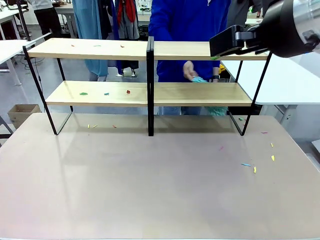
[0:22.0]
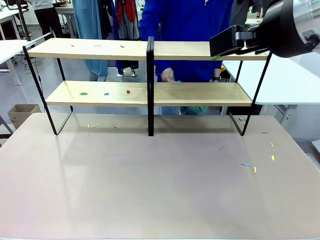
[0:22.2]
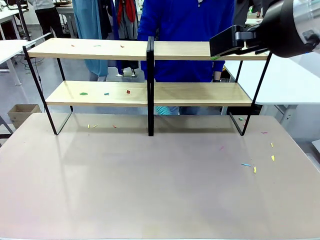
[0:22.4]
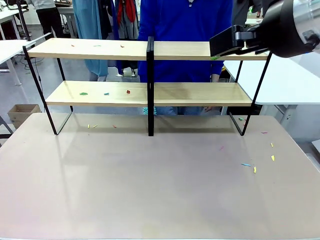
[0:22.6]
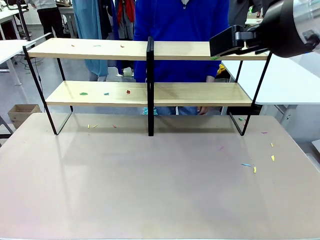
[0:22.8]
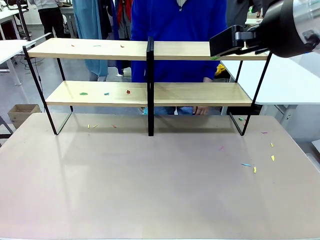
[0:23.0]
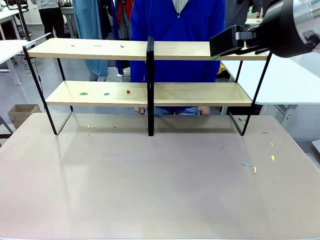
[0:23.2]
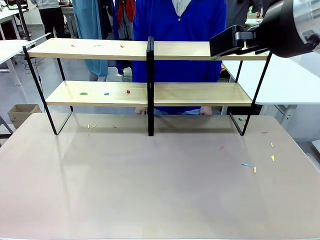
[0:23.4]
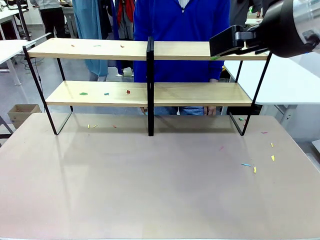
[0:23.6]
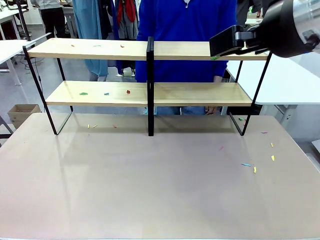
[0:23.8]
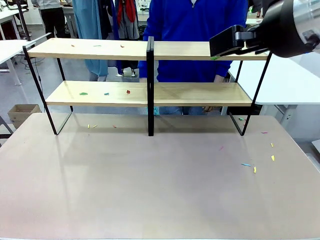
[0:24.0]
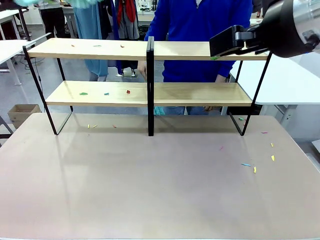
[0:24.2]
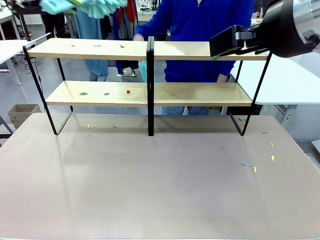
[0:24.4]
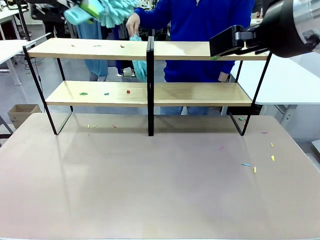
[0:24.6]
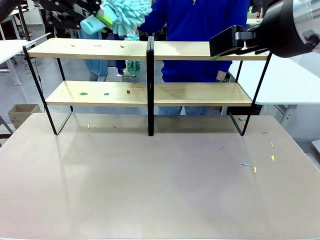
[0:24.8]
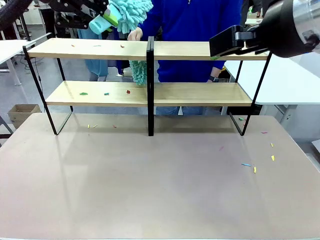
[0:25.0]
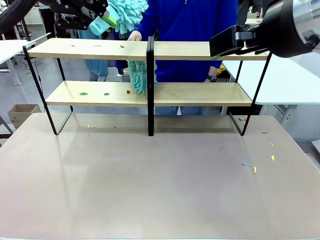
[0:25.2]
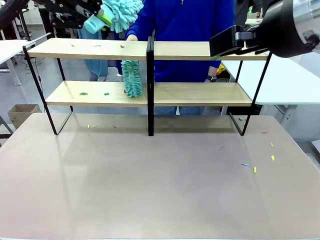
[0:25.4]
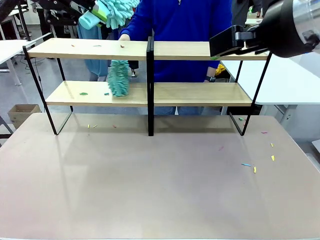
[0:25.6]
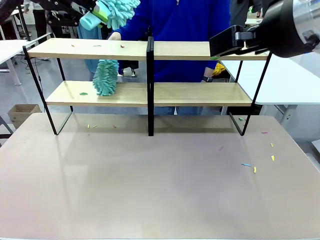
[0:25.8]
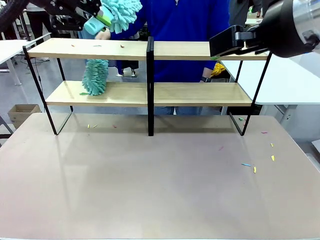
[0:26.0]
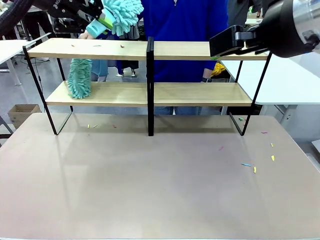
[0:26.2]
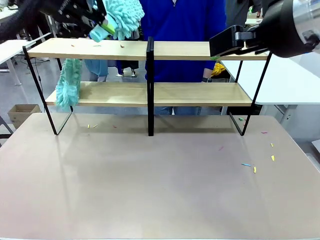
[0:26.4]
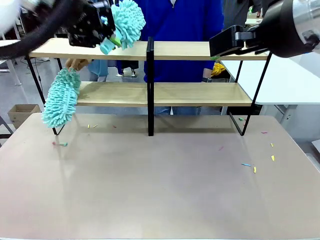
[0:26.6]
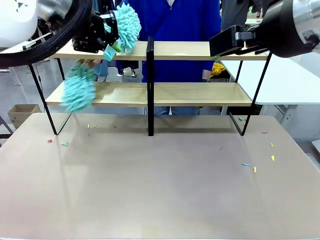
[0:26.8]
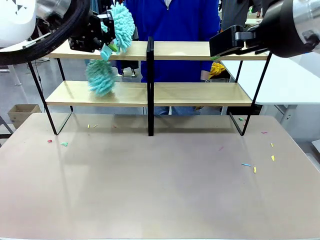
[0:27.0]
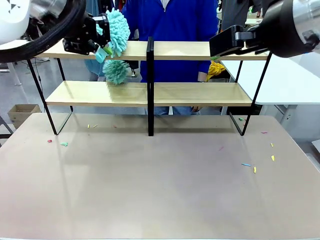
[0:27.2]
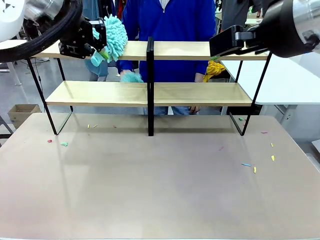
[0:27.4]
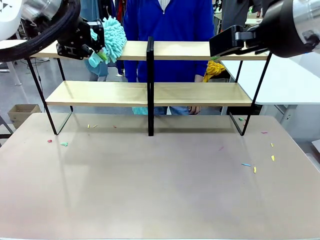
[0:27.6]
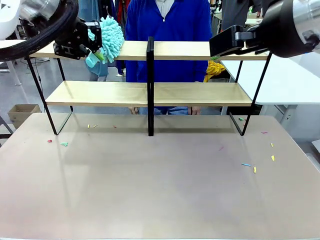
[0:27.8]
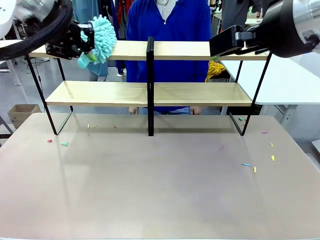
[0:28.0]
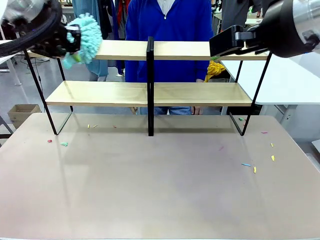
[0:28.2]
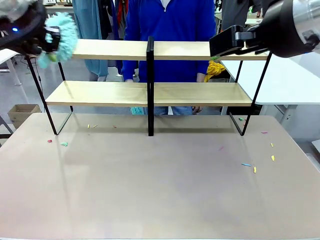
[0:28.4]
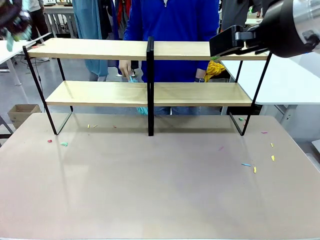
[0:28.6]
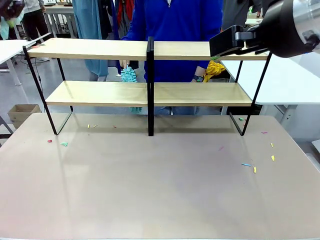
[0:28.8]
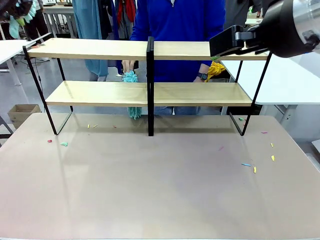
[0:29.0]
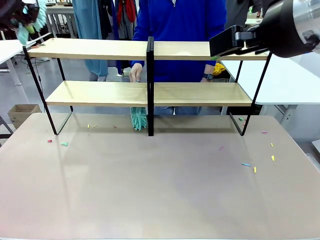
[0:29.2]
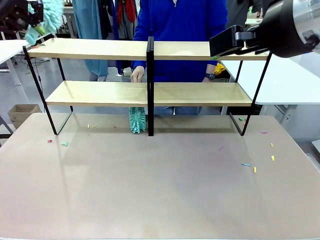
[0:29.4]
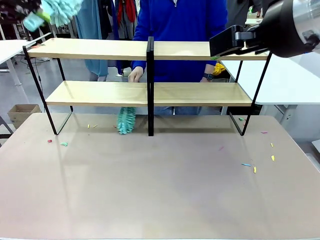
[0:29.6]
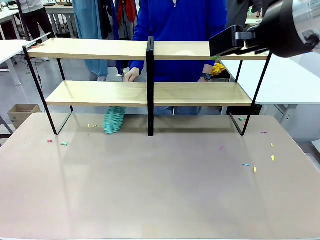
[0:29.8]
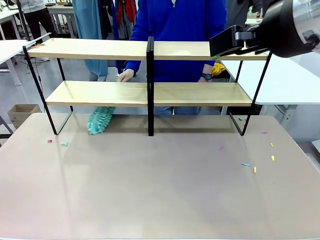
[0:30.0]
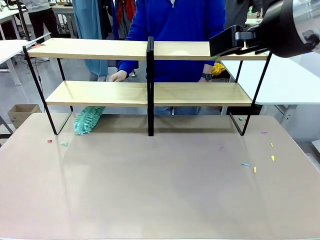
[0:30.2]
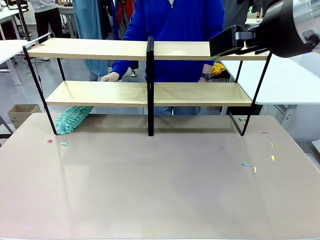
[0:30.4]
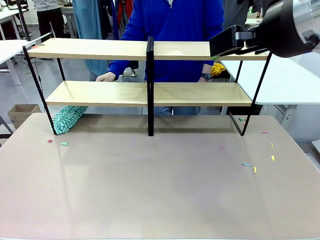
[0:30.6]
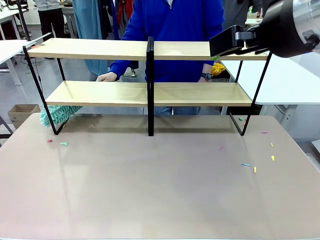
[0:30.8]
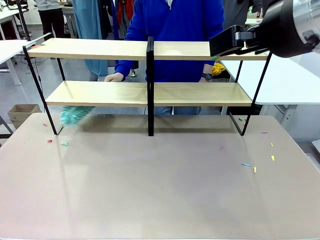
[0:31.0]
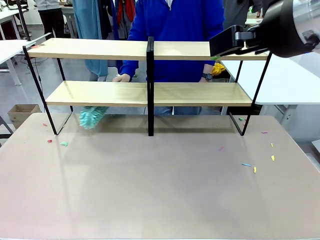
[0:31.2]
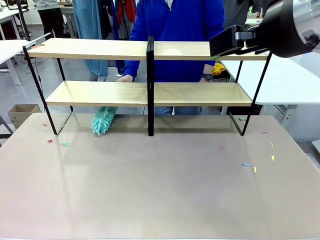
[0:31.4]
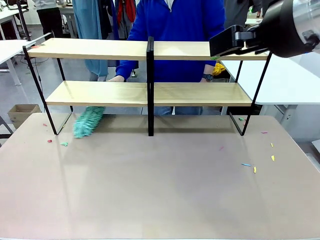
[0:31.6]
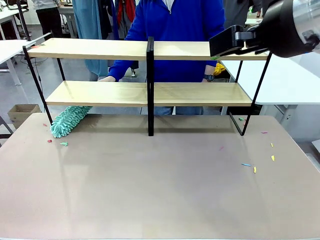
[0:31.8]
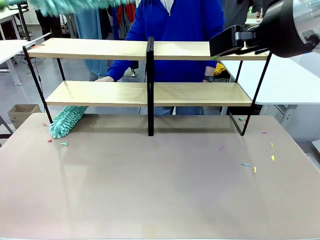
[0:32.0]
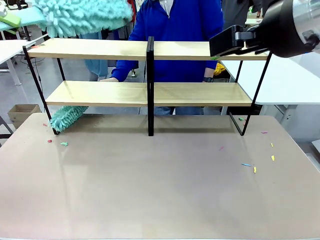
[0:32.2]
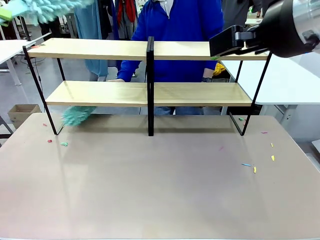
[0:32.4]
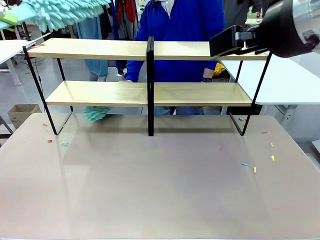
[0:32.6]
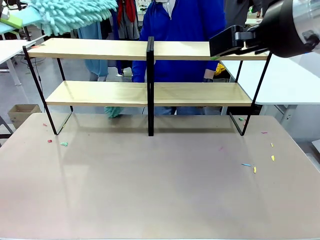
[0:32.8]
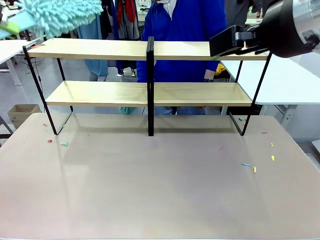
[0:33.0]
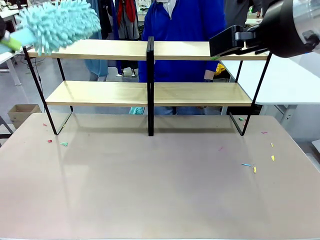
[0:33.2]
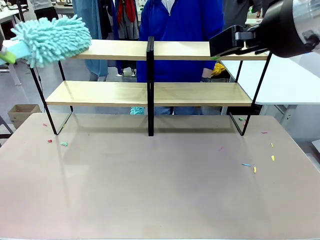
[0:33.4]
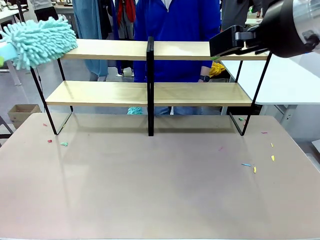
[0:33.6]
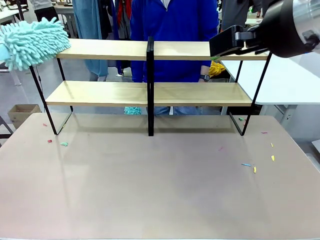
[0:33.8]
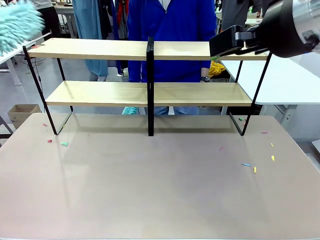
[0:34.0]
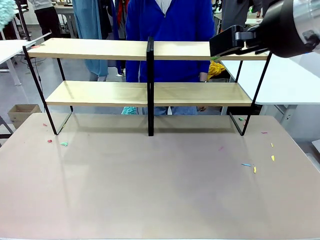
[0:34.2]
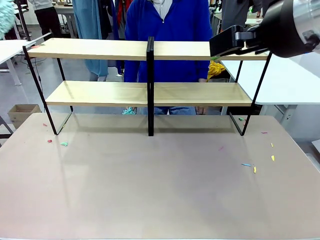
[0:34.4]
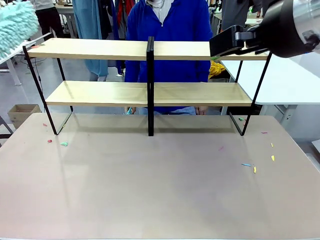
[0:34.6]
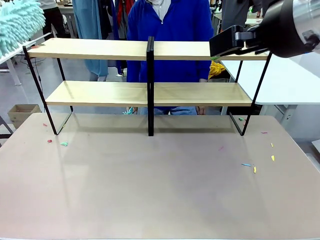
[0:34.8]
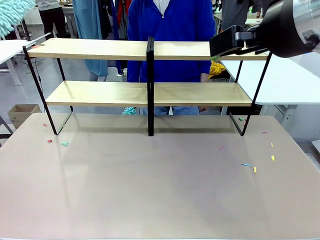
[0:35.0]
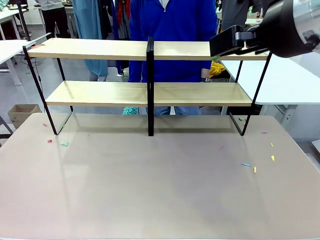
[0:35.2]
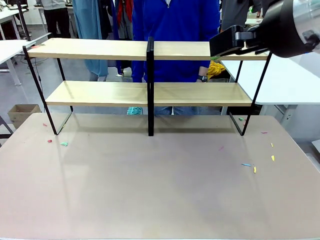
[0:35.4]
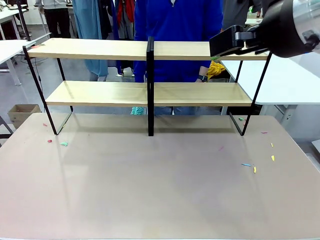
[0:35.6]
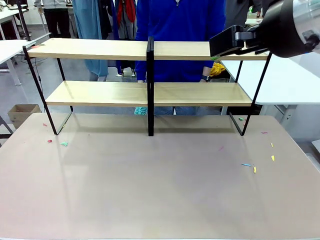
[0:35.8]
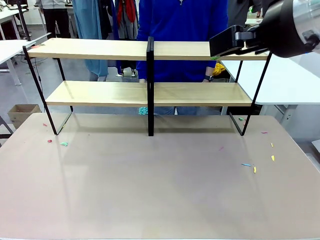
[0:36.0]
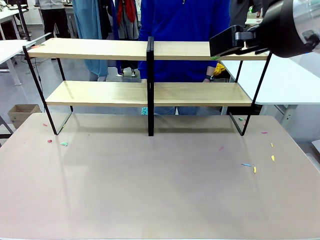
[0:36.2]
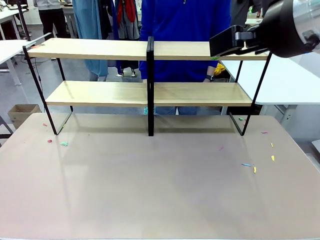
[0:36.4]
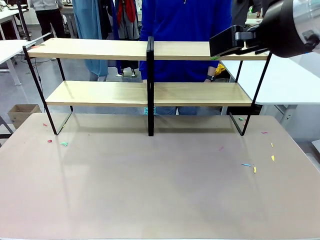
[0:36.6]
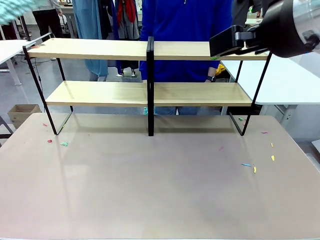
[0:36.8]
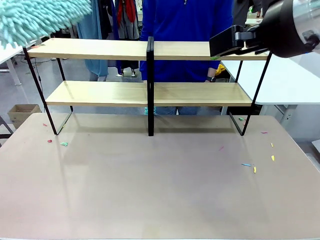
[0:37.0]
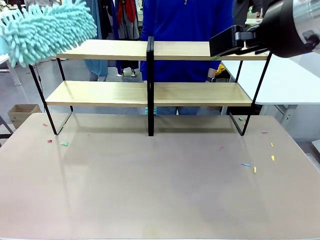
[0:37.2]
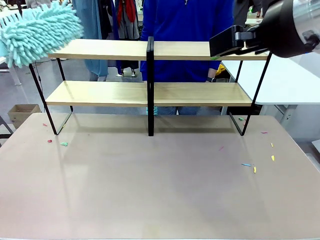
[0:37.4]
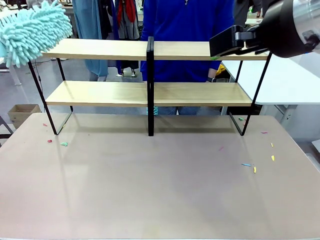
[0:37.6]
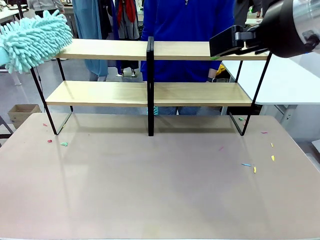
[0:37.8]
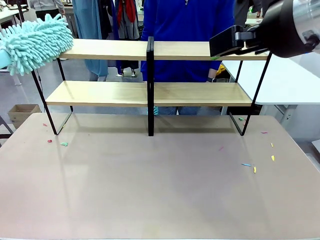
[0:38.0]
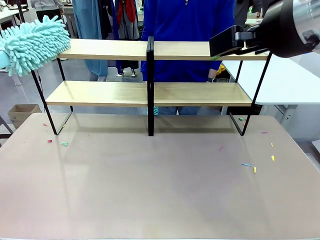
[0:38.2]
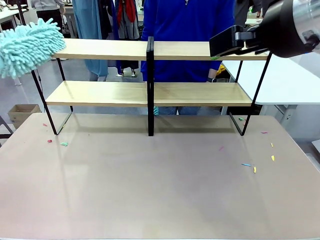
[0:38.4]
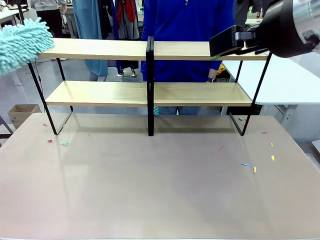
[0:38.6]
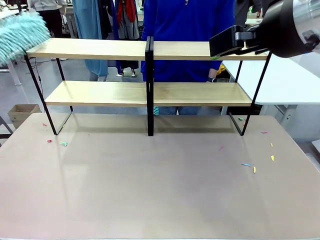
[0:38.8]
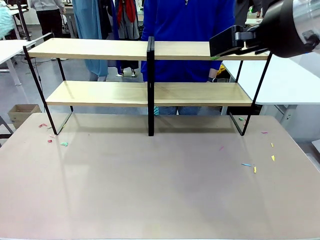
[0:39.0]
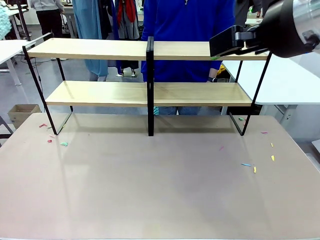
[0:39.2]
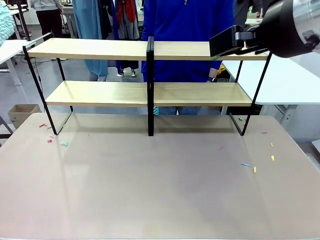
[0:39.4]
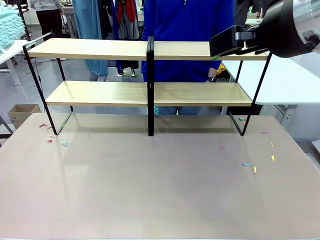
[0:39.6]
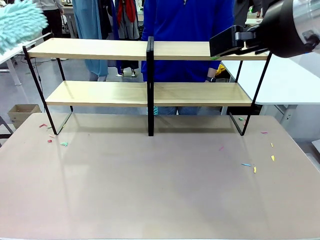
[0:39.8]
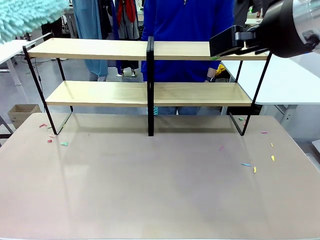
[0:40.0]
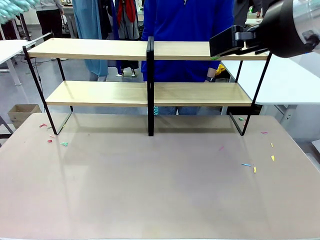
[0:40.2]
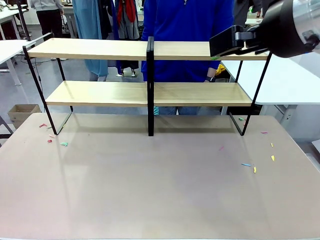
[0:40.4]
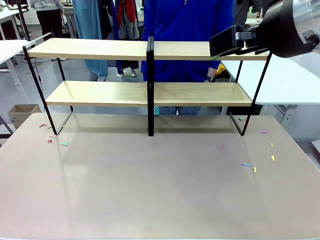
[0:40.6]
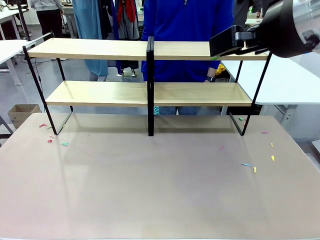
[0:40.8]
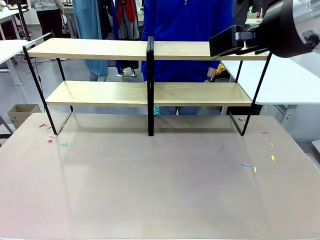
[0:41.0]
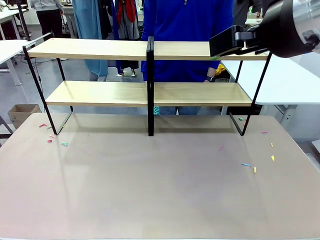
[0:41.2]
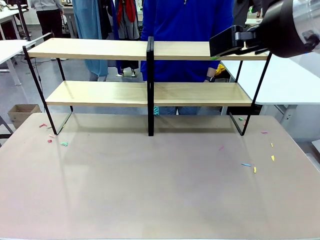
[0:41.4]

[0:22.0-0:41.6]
Task: Clean the shelves.
Robot: Clean another randomly selected level of the Shelf with the Duster.
Person: Clean a randomly selected level of the Shelf with the Duster.

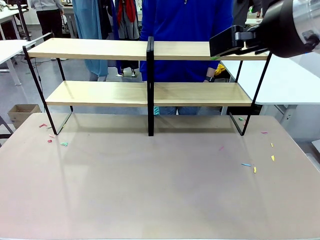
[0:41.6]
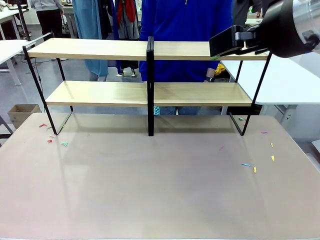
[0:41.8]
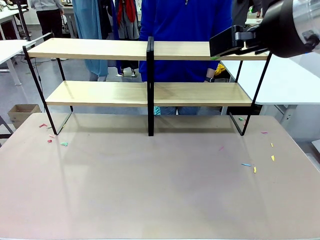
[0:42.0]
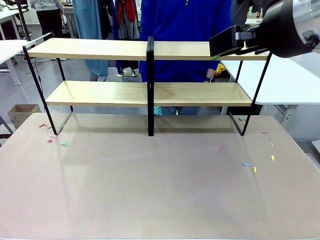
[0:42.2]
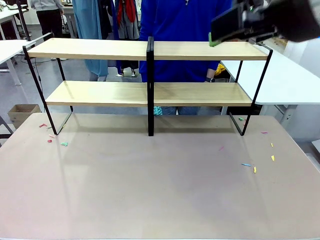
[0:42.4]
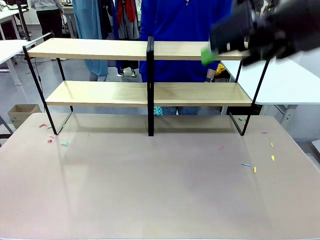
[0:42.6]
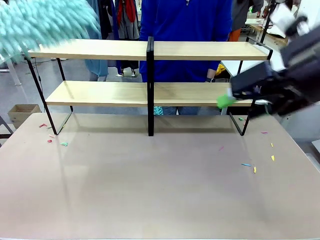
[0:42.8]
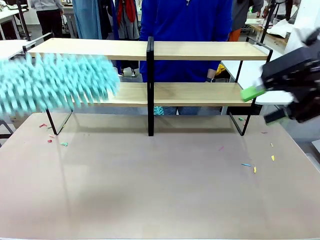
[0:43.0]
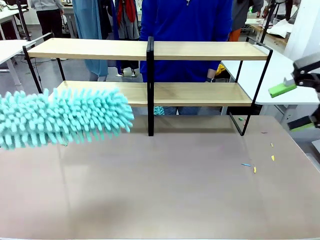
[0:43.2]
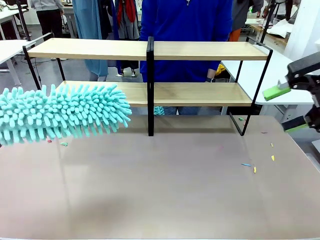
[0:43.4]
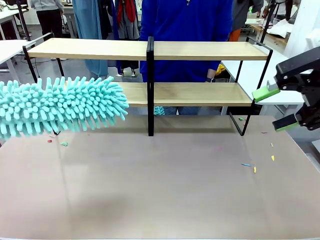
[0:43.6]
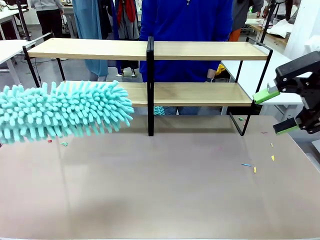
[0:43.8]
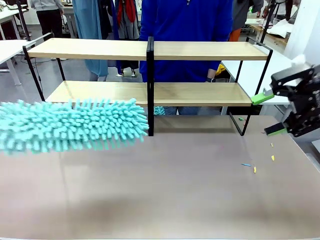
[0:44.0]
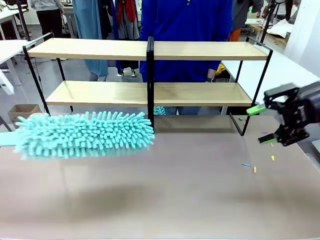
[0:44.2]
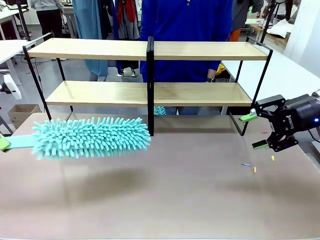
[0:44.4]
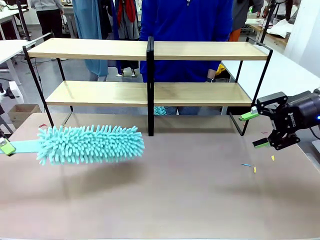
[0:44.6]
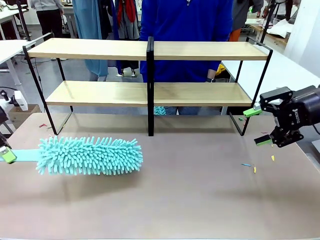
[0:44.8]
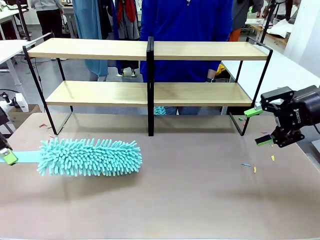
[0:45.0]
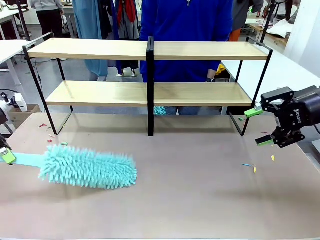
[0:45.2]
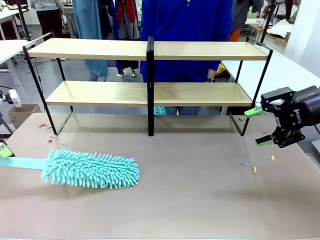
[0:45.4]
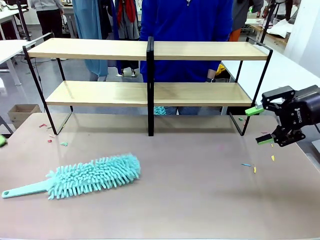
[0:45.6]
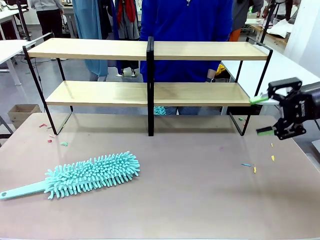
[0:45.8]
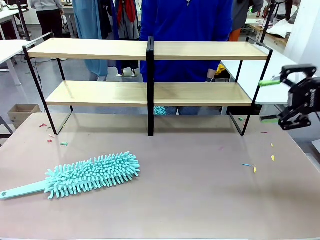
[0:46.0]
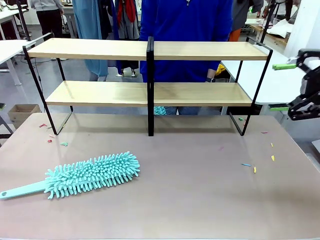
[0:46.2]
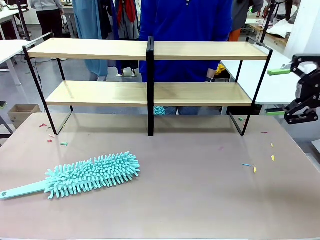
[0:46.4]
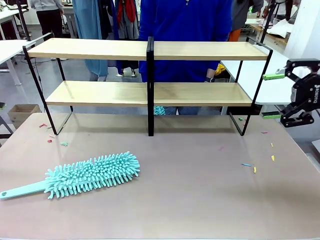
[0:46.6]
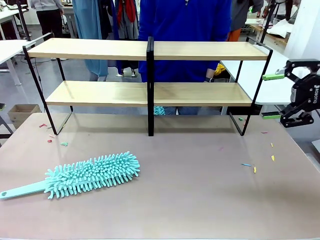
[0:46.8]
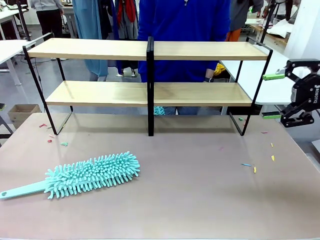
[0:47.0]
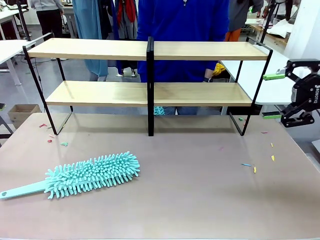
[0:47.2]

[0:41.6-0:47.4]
Robot: Place the Duster on the table.
